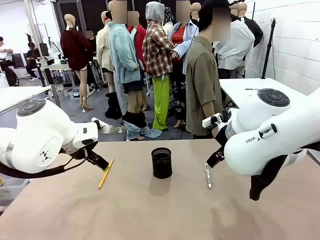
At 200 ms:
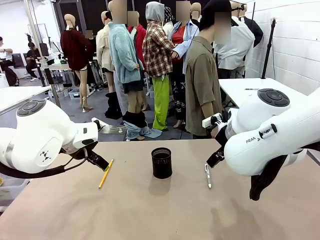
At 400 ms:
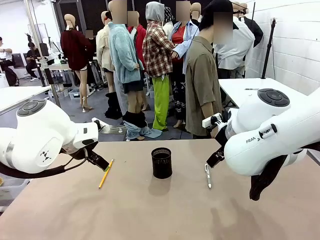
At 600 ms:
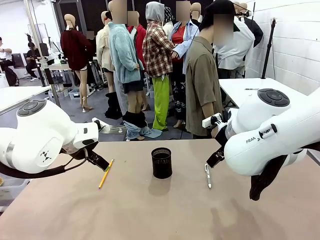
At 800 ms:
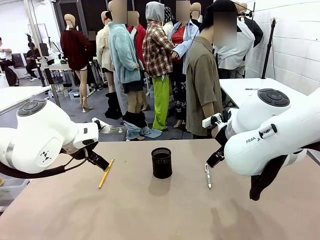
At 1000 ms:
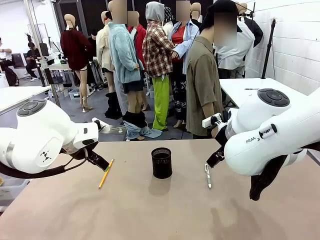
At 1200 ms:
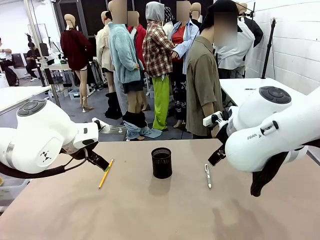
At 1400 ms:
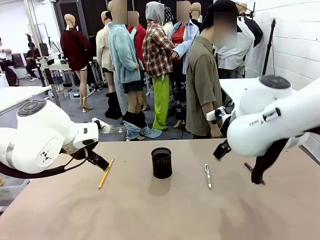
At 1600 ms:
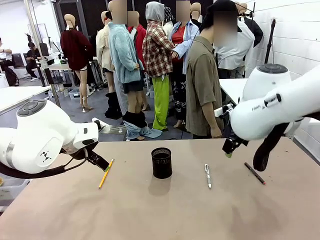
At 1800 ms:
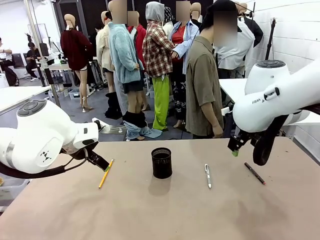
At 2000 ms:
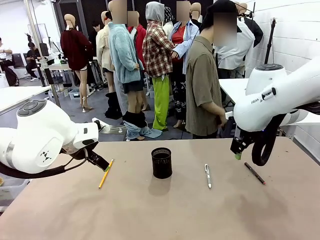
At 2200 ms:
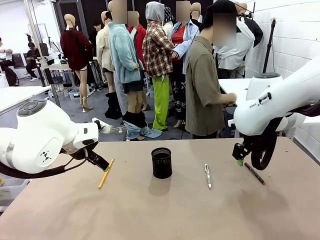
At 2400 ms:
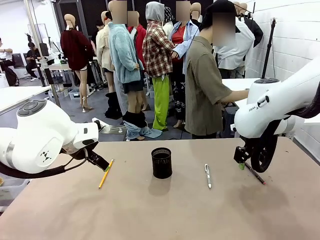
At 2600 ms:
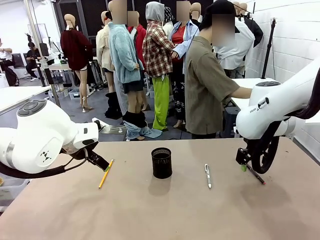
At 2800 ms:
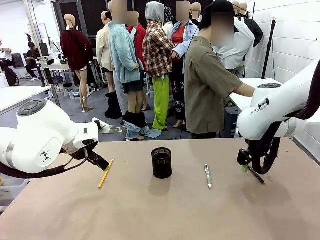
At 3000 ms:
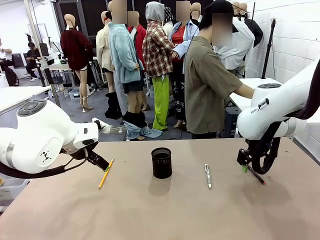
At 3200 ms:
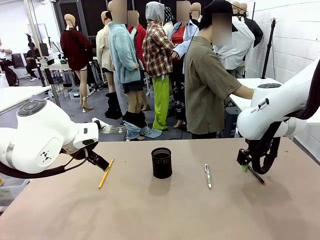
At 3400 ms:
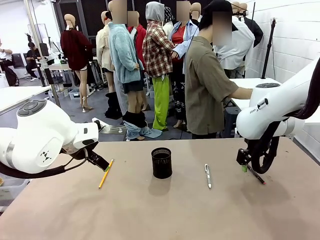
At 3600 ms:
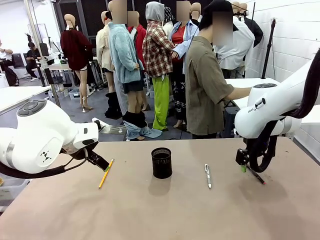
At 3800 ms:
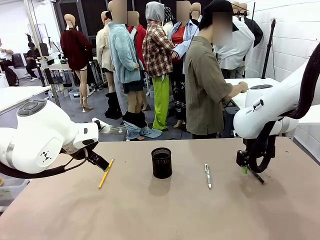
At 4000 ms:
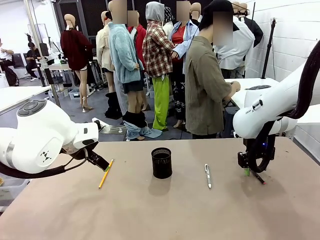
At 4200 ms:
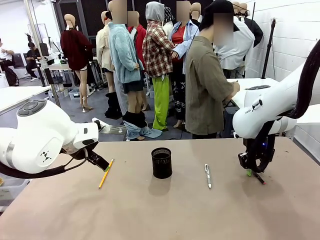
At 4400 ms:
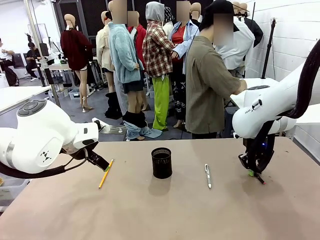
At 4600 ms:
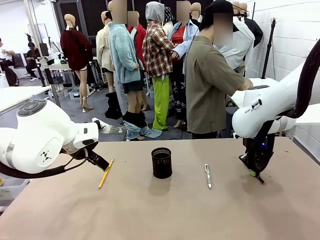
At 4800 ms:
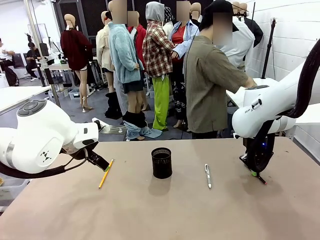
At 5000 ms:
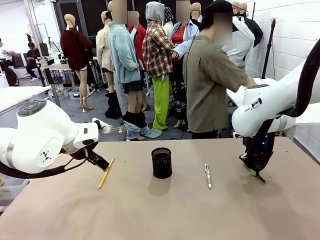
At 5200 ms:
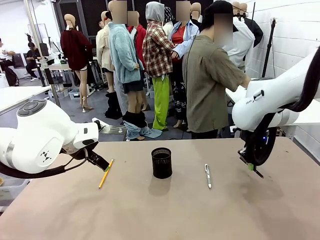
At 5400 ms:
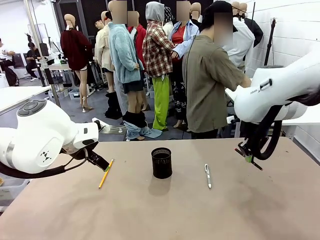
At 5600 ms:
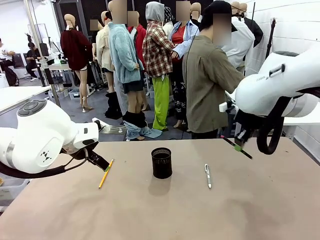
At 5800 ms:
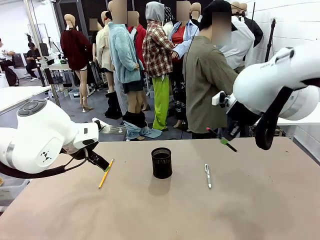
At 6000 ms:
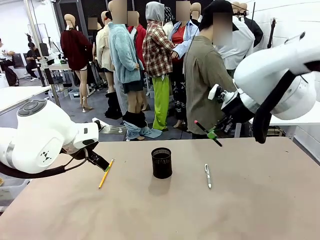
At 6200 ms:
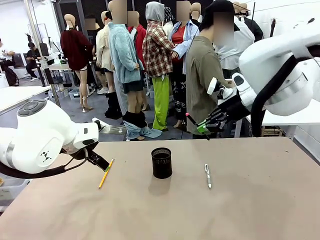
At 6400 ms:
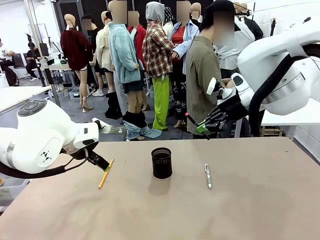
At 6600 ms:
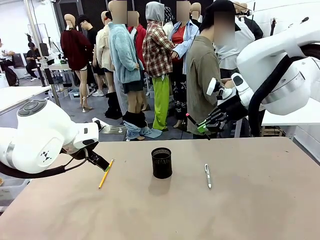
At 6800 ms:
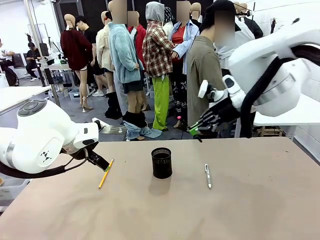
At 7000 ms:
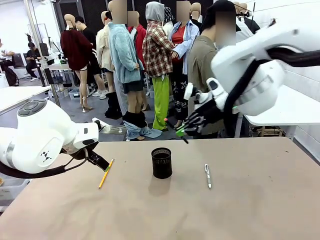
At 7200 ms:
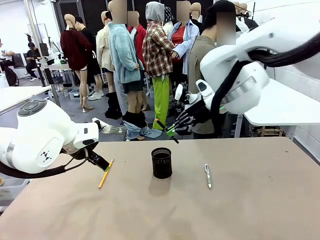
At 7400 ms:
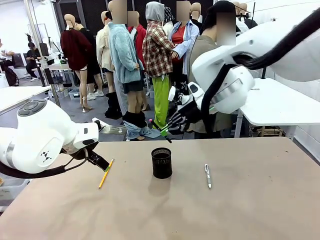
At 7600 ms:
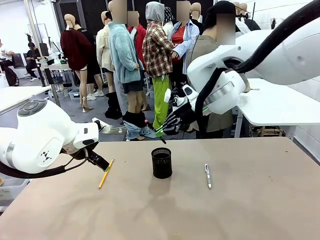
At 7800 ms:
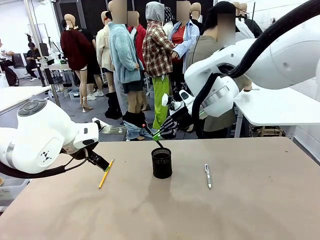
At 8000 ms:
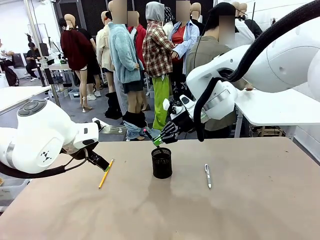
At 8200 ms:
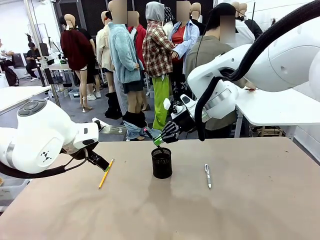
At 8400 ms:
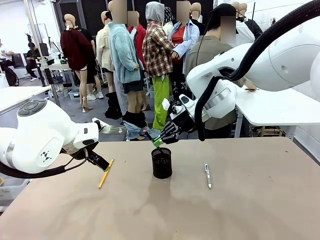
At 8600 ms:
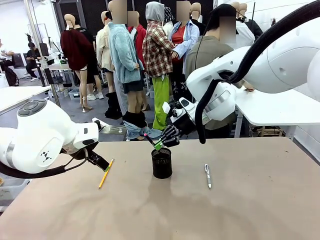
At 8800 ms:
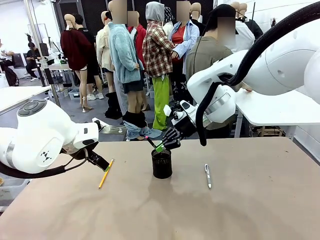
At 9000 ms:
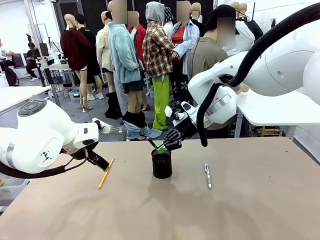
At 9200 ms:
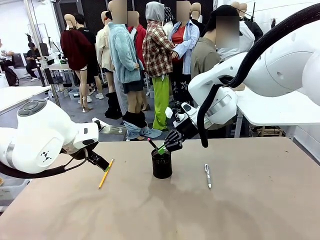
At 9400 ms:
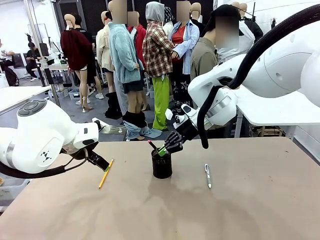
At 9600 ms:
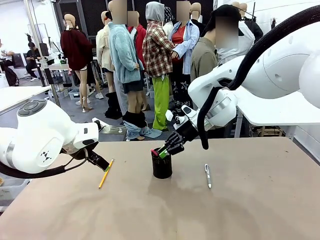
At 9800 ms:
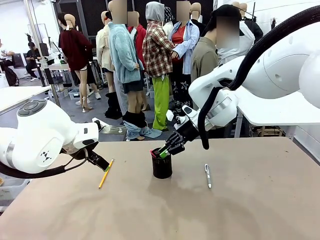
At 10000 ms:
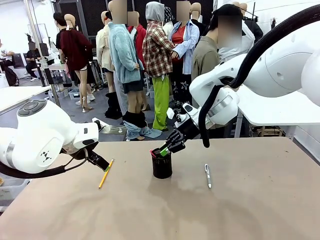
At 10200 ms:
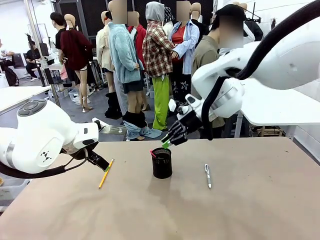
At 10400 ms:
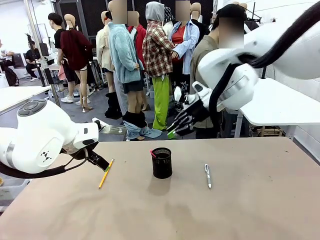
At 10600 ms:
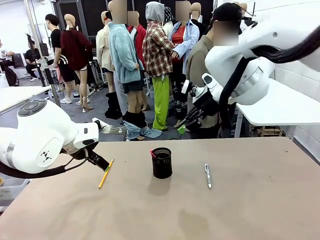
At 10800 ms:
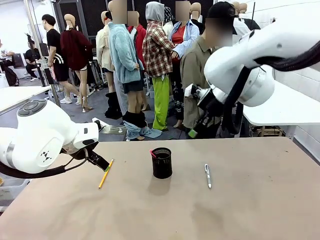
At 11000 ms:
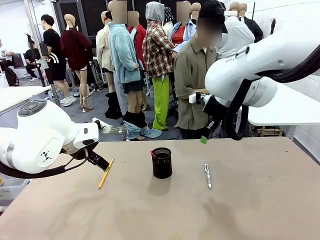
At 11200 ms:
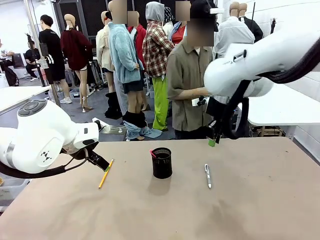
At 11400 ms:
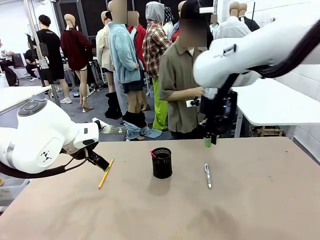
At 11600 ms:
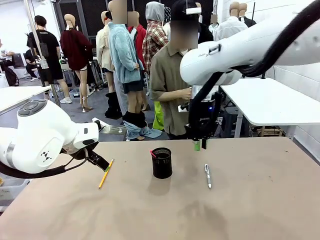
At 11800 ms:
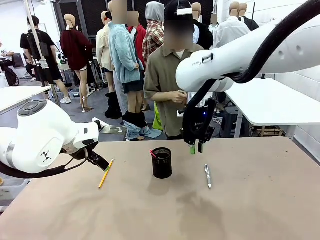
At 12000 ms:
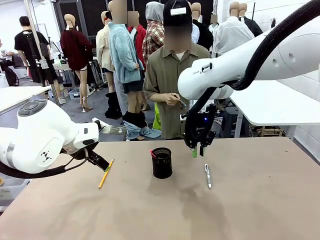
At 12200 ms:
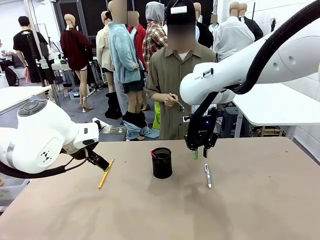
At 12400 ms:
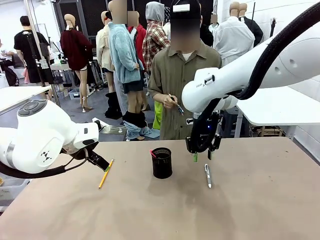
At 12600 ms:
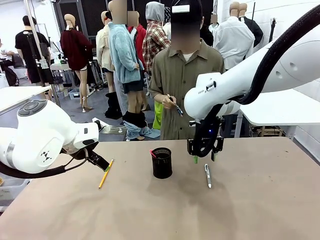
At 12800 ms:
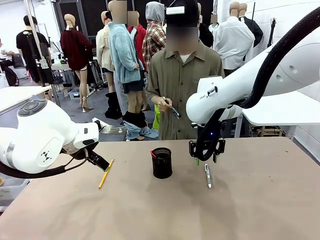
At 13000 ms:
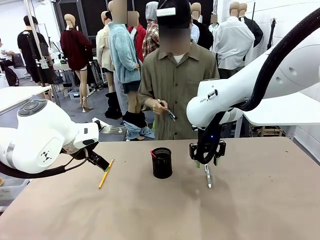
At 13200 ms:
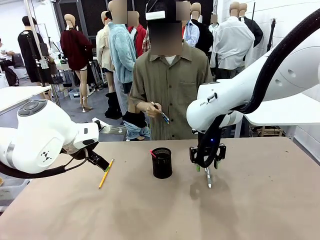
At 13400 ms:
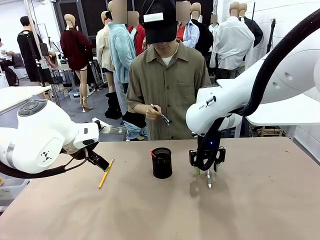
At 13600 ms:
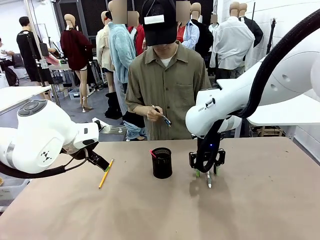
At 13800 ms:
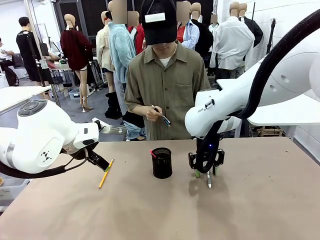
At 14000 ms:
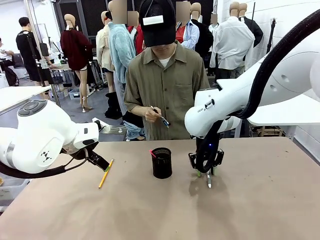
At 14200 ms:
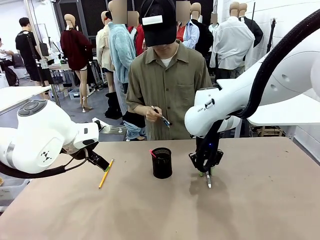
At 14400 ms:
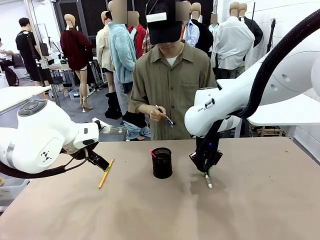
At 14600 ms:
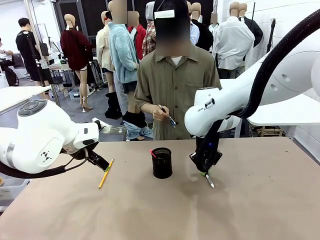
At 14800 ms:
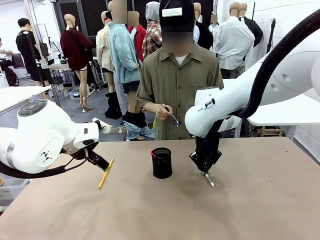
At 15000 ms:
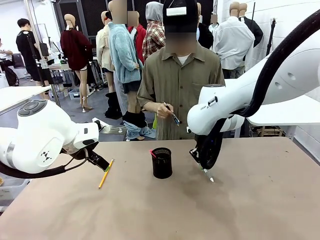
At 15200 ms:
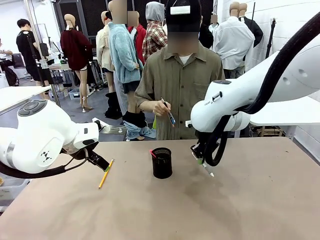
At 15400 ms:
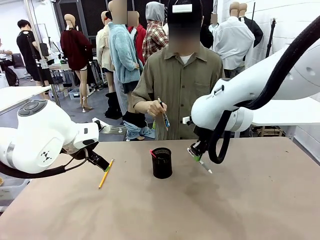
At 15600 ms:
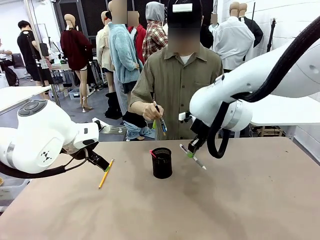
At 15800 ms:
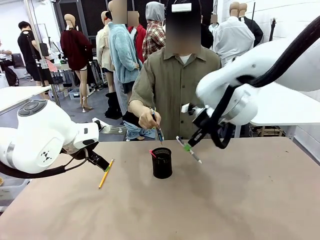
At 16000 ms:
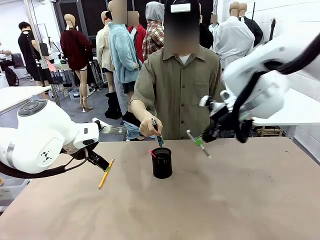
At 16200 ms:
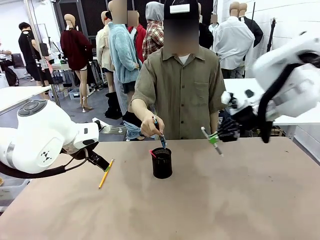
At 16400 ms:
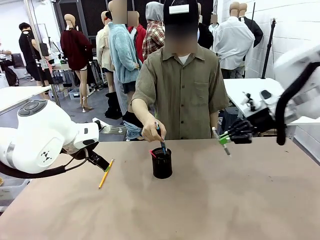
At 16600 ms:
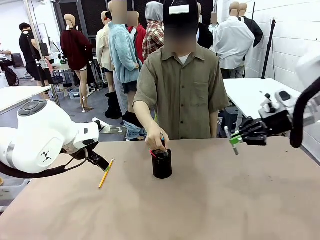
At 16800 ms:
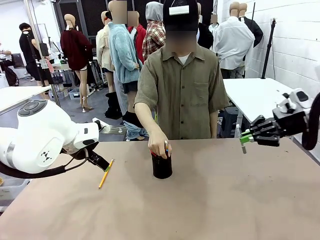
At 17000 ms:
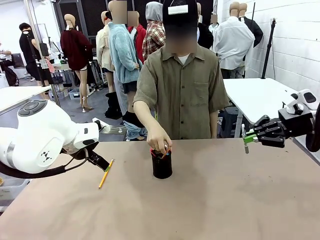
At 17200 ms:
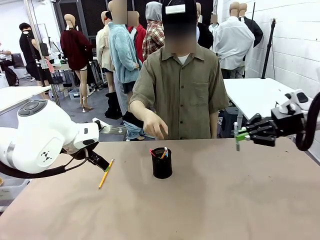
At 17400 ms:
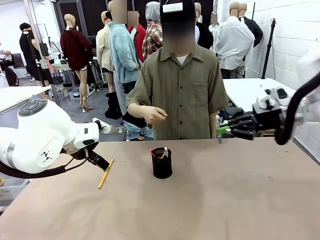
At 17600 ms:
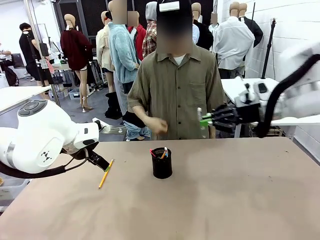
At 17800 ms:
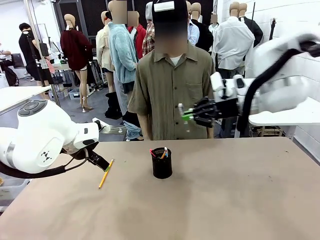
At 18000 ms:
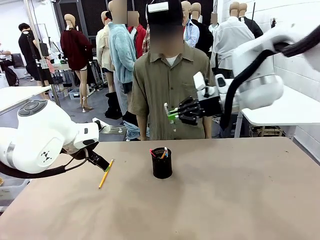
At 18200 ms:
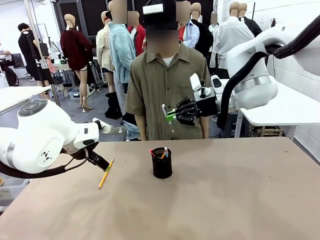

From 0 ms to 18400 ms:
Task: Place the pens into the pen holder.
Robot: Pick up a writing instrument from the table and place it into the Pen holder.
Person: Pick up all writing instruments from the Human table.
